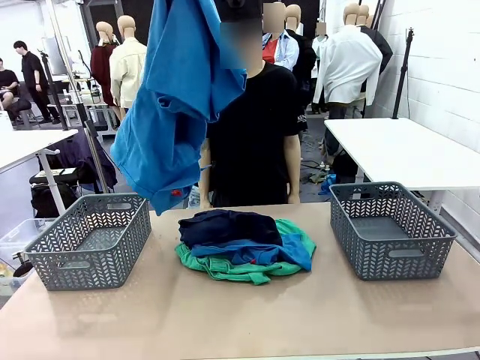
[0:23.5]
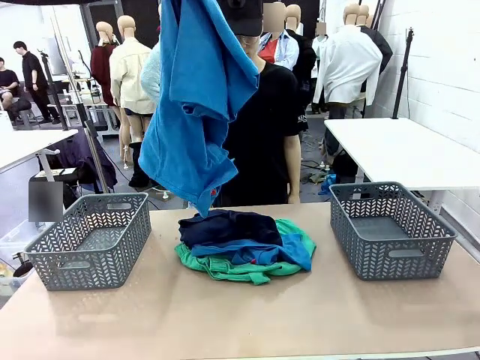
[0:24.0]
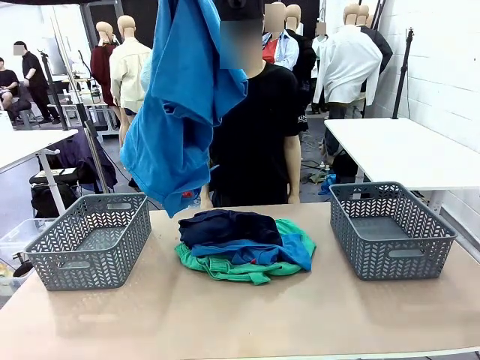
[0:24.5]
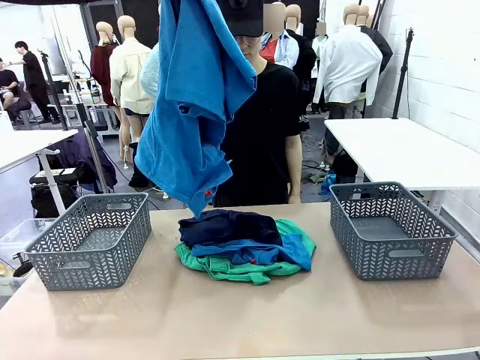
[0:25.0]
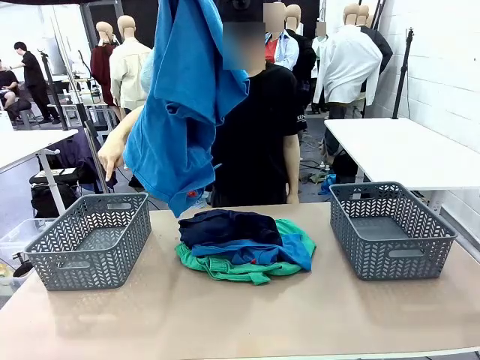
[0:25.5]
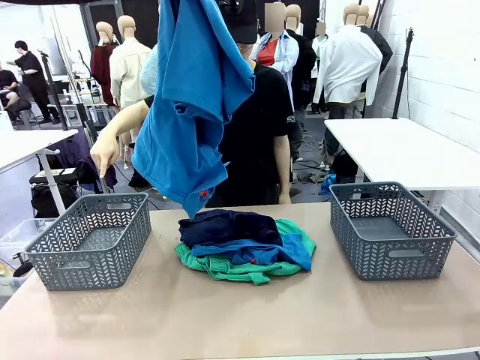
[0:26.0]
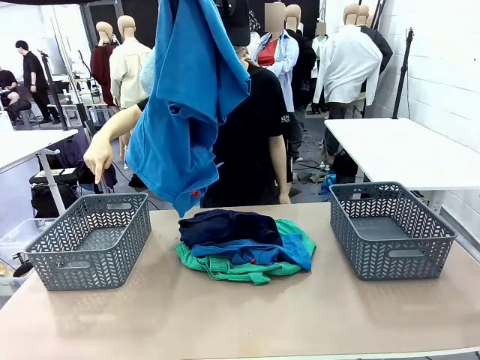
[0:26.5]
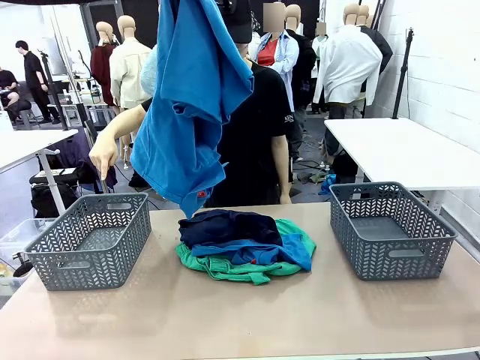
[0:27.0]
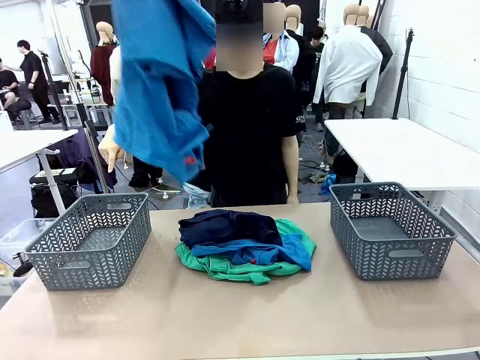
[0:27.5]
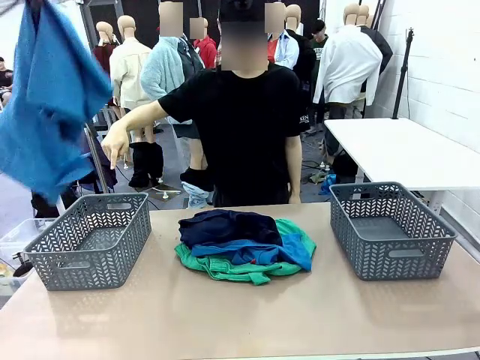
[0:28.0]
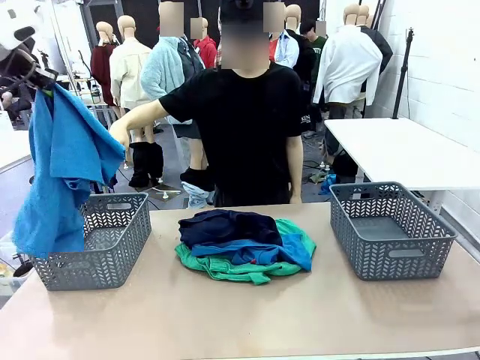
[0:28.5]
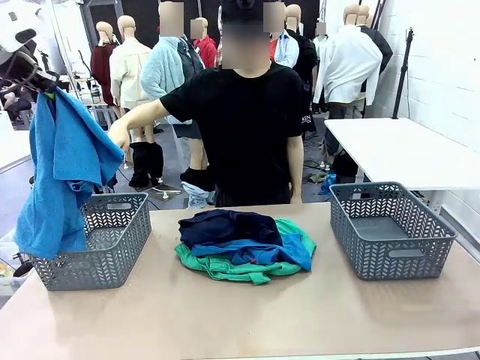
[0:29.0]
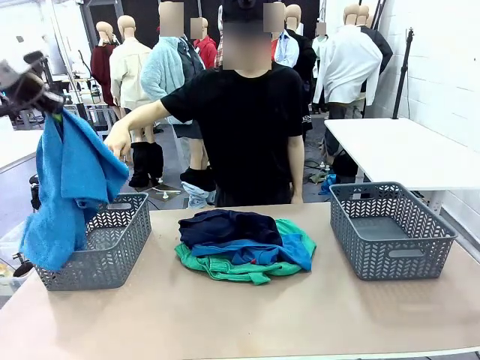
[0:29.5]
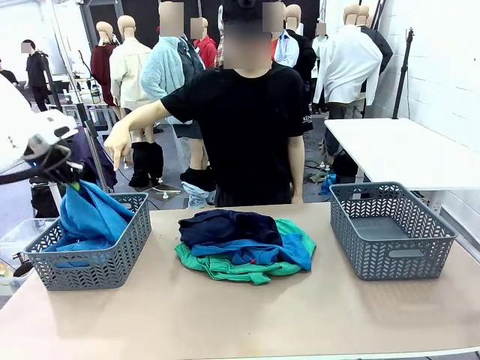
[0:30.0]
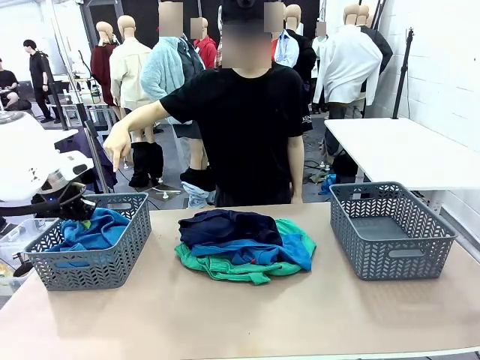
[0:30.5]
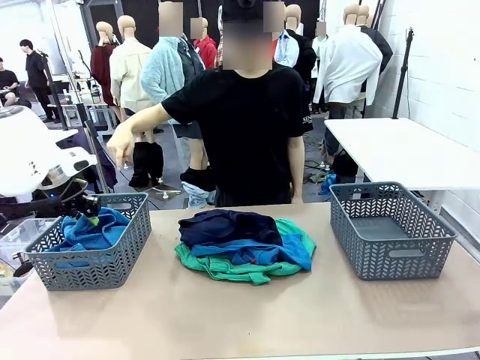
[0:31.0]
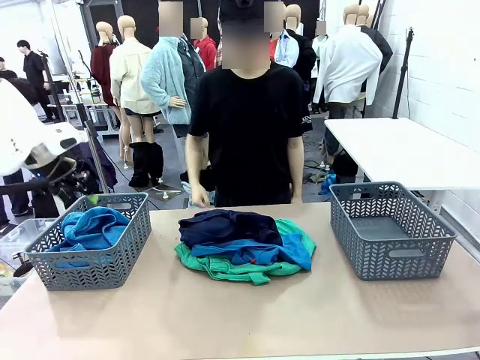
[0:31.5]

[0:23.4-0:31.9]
Task: Sort the tops and bottoms.
Robot: Sort the clothes according to human instructions.

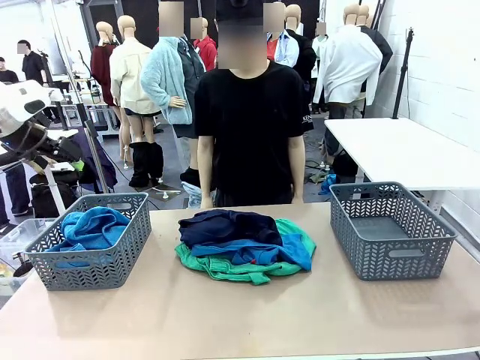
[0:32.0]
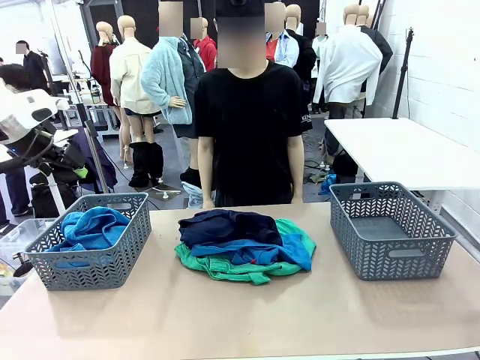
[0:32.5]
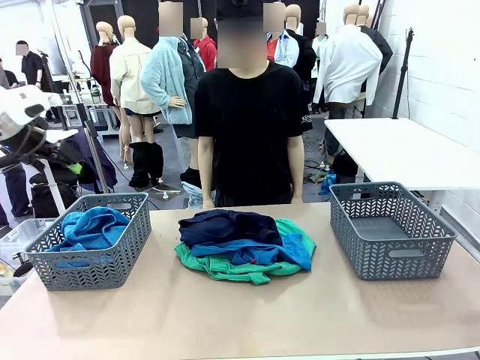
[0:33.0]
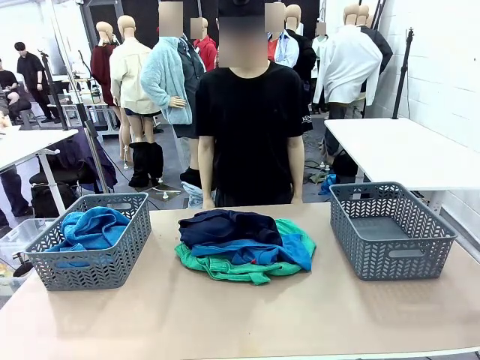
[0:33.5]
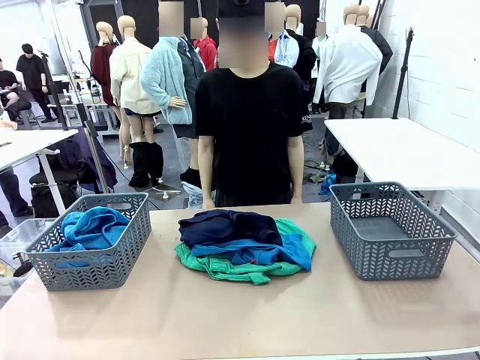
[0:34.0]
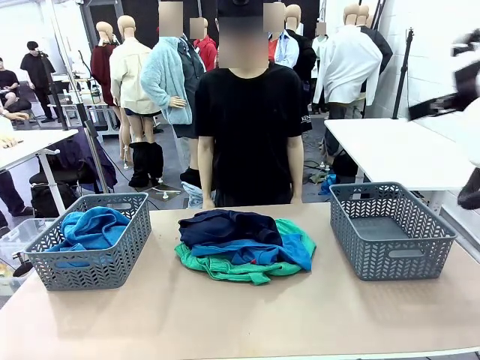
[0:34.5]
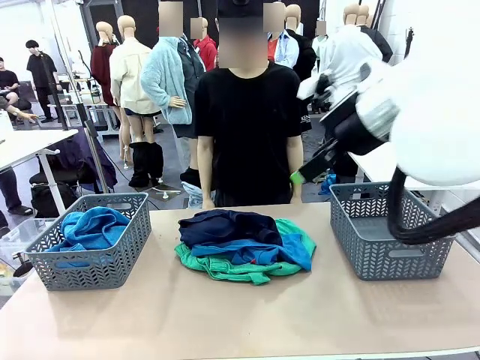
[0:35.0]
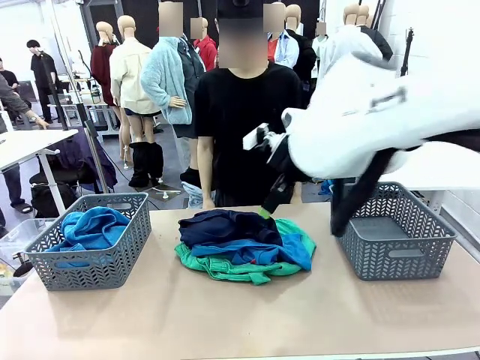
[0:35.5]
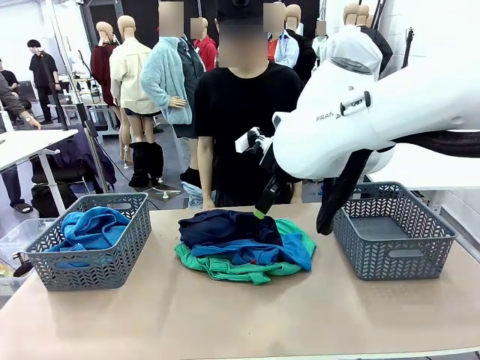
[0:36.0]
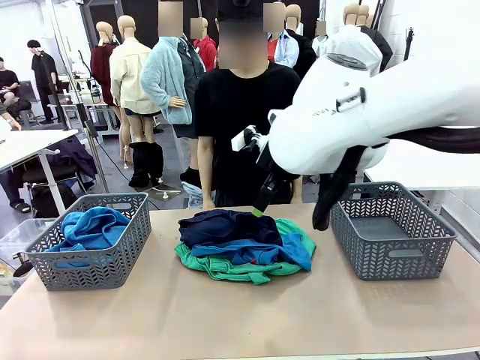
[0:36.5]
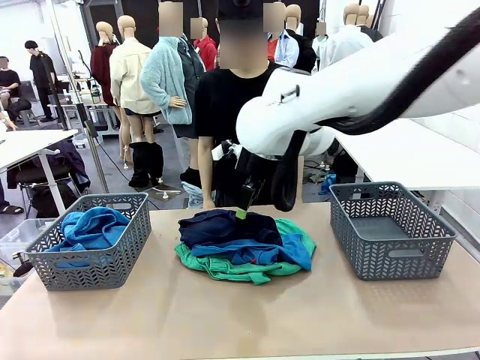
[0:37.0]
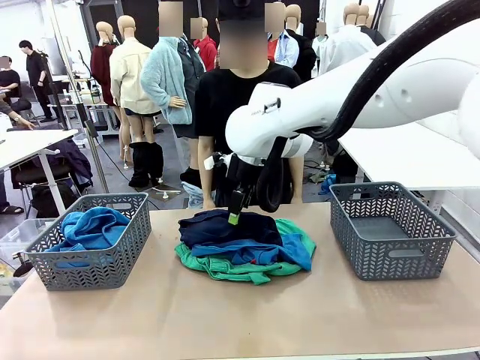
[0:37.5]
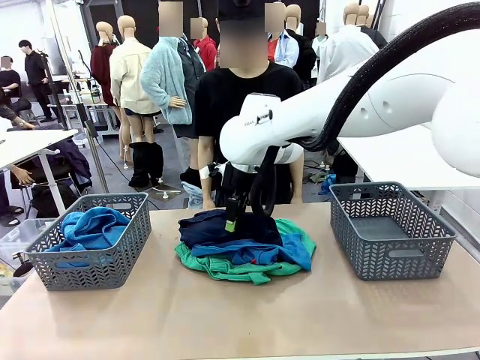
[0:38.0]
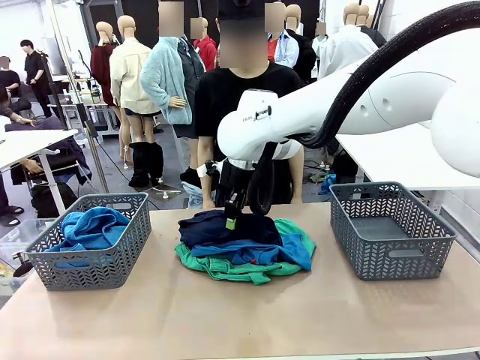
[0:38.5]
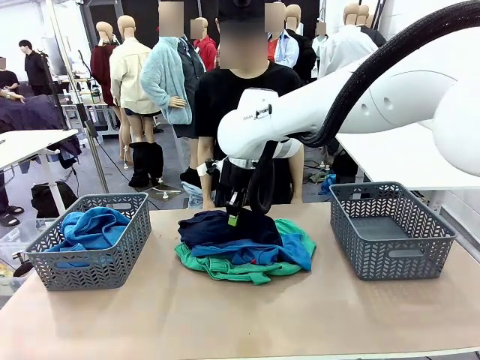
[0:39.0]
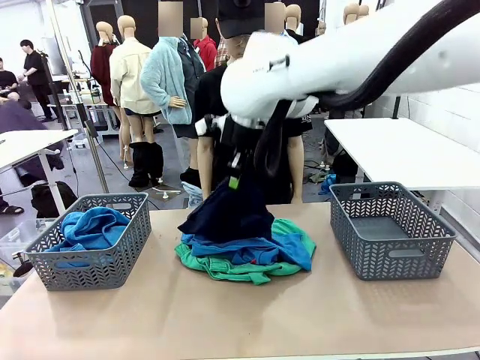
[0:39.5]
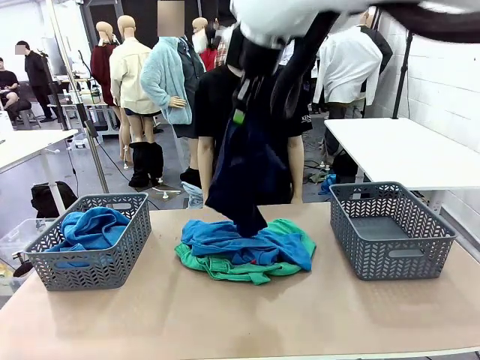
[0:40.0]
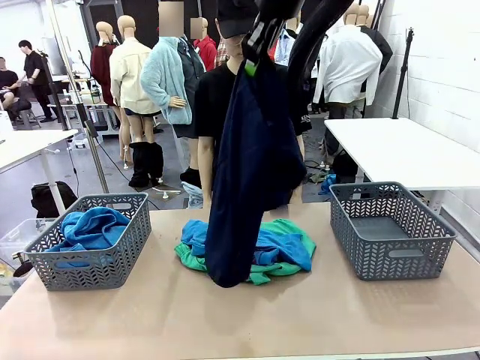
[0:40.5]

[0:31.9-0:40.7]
Robot: Lift clothes from the center of the table with your right hand.

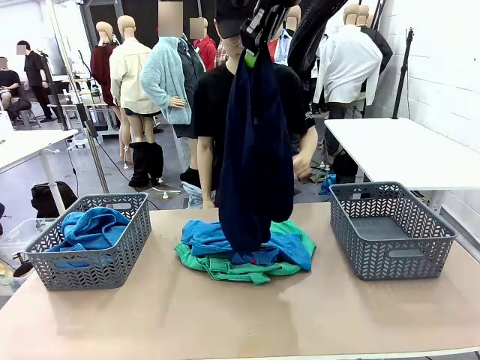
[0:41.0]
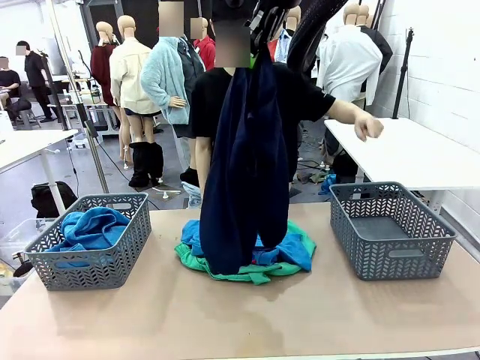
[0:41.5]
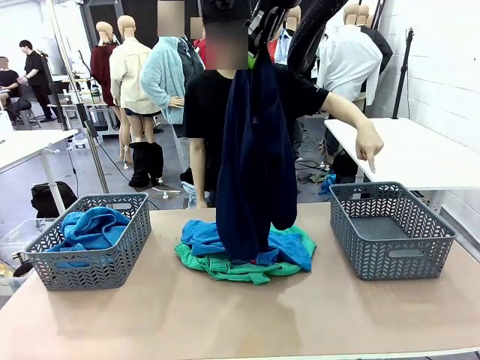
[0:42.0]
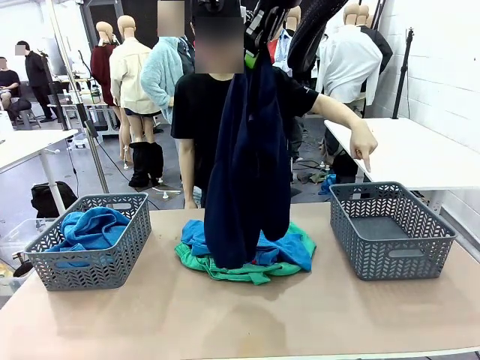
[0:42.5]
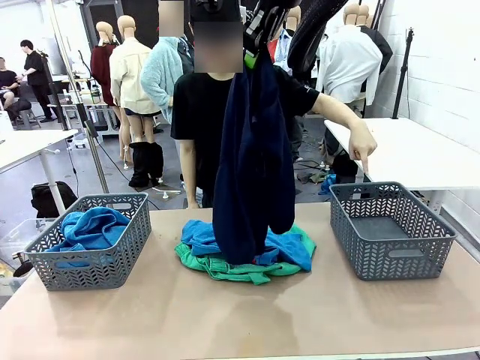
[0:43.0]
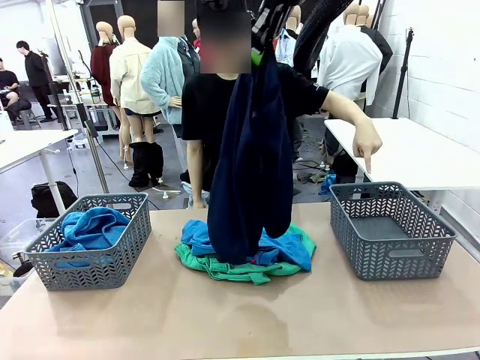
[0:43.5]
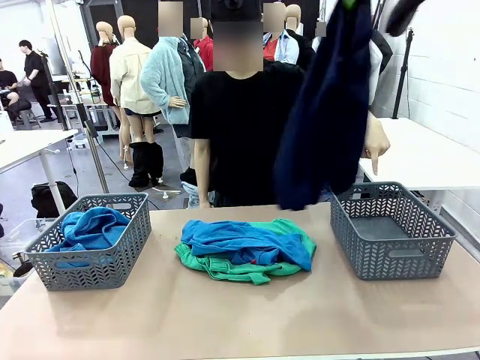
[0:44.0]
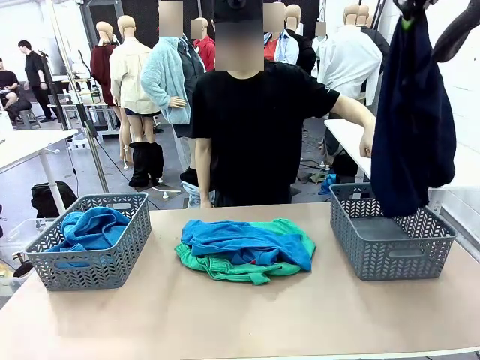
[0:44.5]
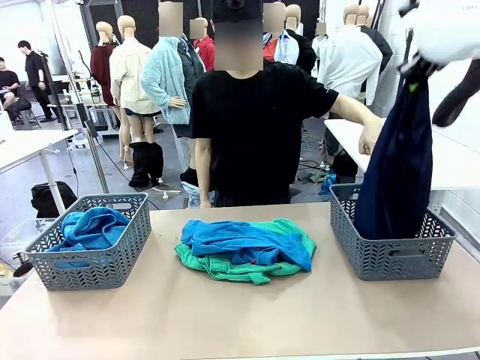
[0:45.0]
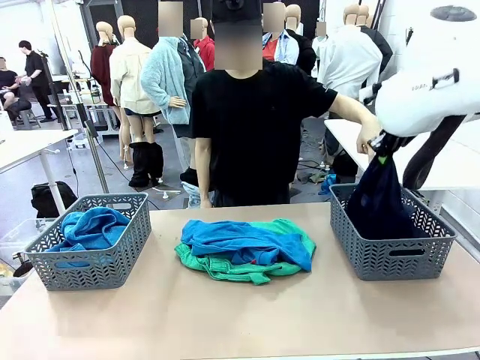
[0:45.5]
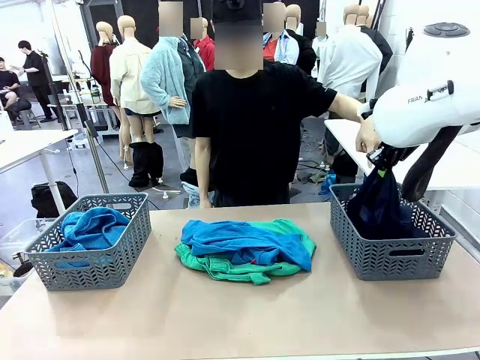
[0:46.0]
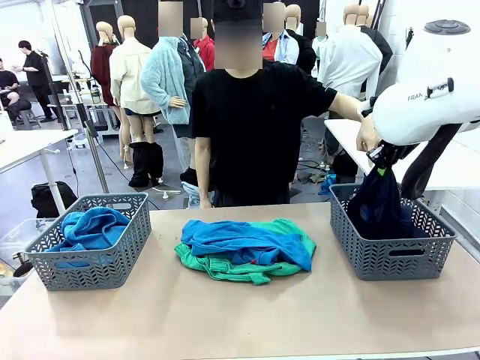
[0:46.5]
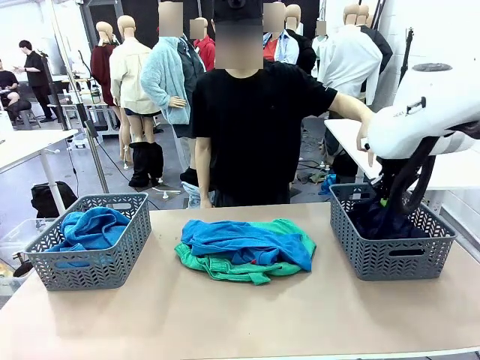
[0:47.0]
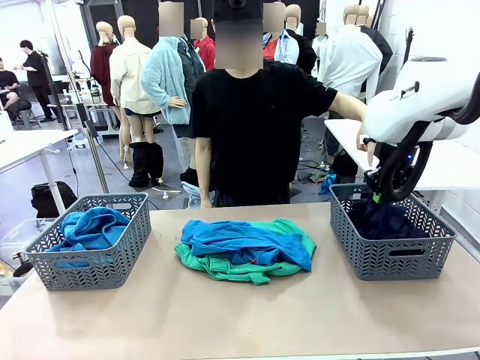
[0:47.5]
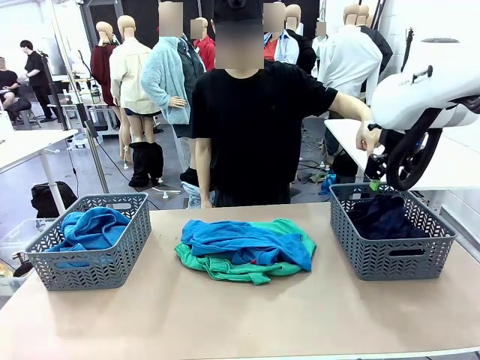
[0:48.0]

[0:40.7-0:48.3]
Robot: Sort the clothes according to human instructions.
